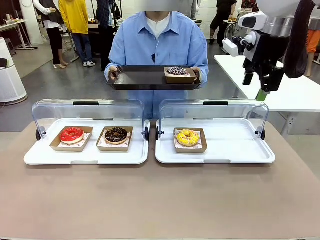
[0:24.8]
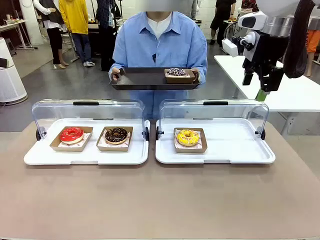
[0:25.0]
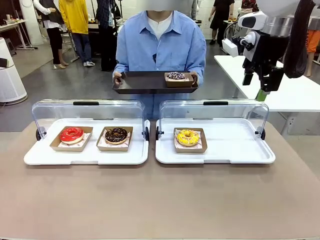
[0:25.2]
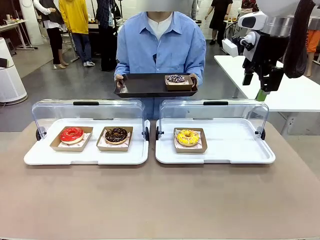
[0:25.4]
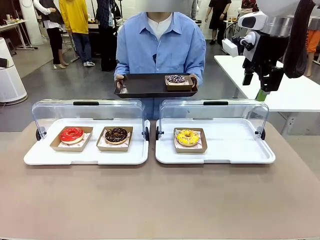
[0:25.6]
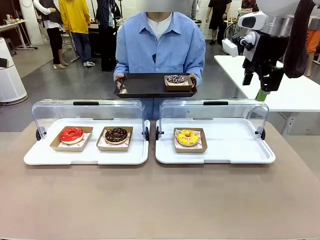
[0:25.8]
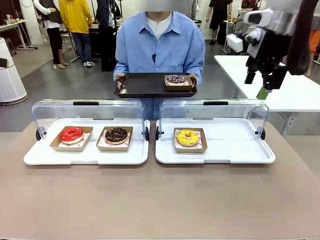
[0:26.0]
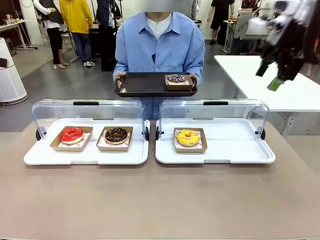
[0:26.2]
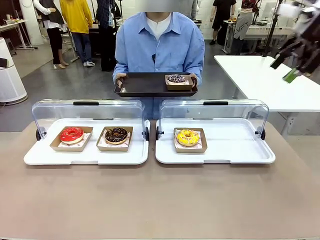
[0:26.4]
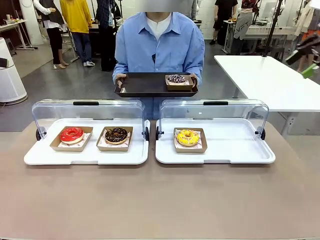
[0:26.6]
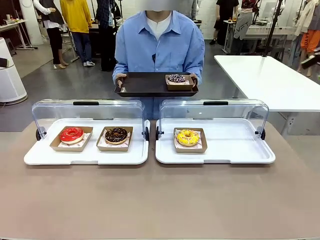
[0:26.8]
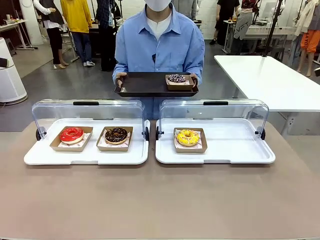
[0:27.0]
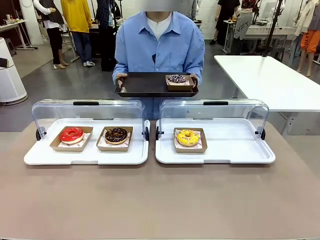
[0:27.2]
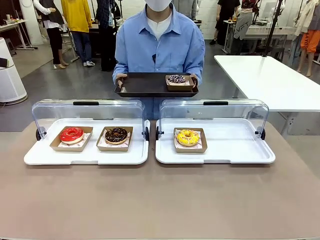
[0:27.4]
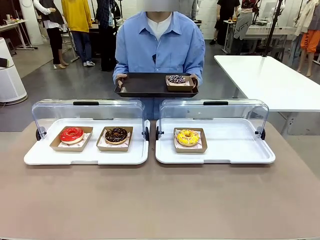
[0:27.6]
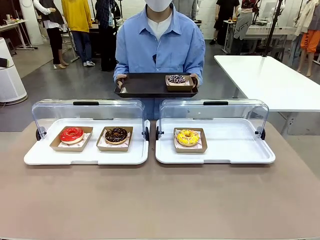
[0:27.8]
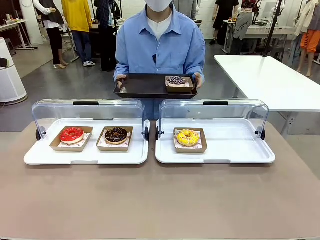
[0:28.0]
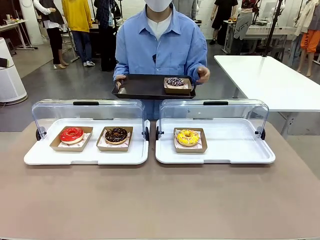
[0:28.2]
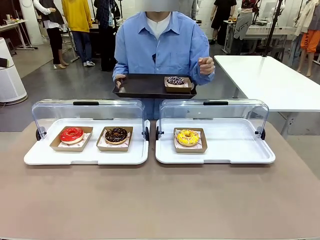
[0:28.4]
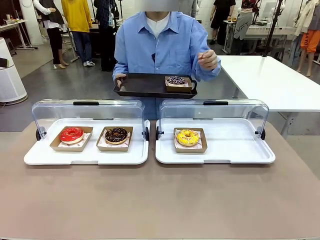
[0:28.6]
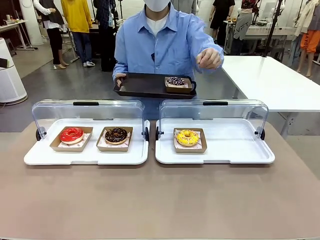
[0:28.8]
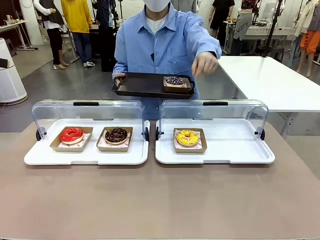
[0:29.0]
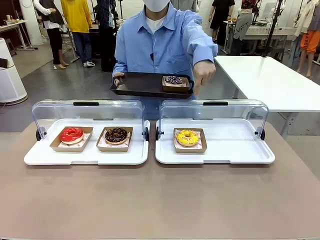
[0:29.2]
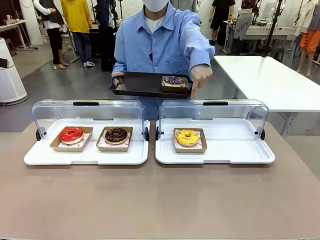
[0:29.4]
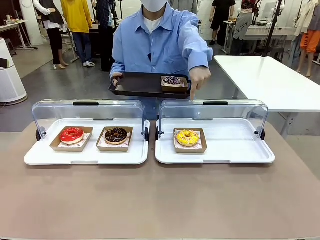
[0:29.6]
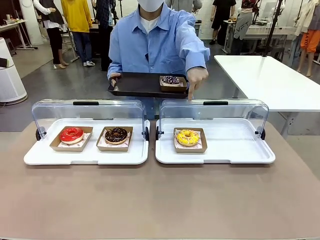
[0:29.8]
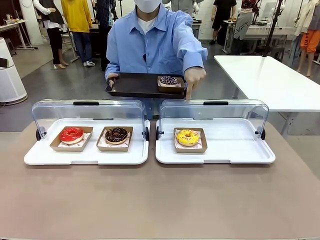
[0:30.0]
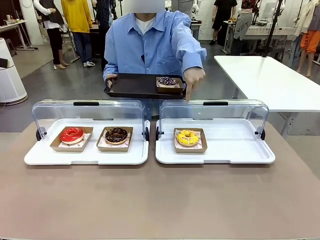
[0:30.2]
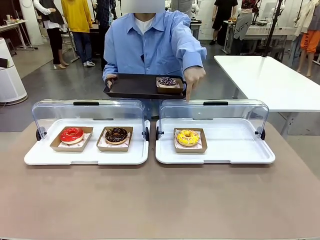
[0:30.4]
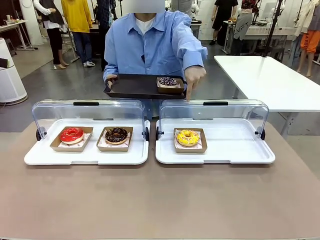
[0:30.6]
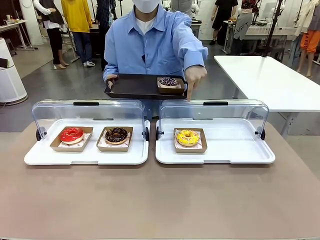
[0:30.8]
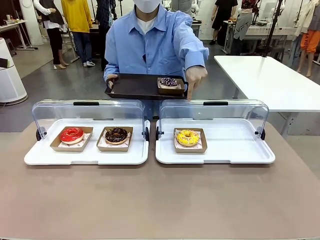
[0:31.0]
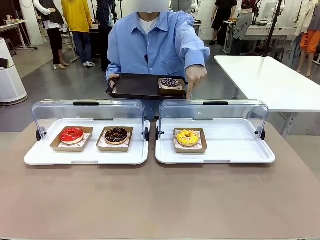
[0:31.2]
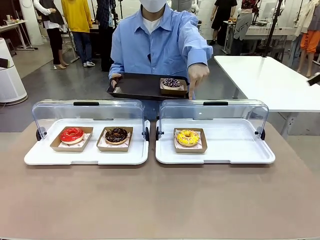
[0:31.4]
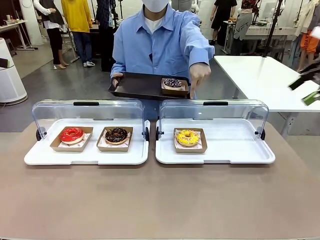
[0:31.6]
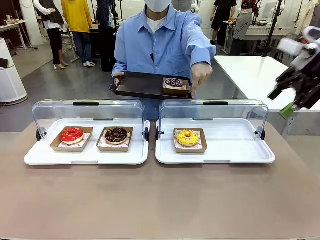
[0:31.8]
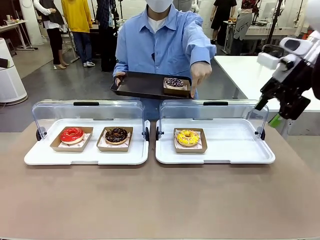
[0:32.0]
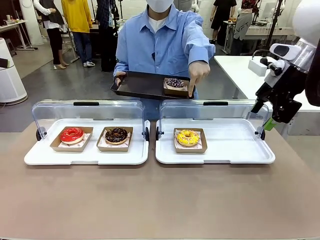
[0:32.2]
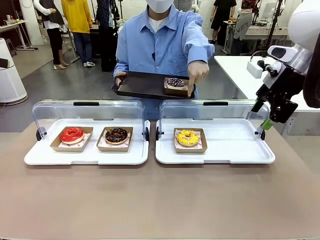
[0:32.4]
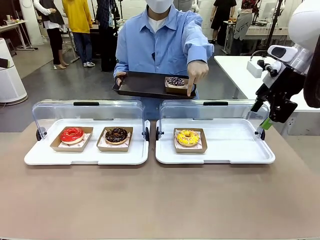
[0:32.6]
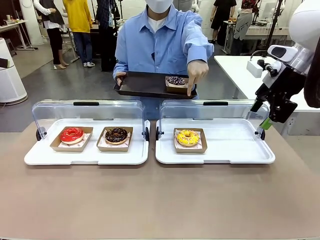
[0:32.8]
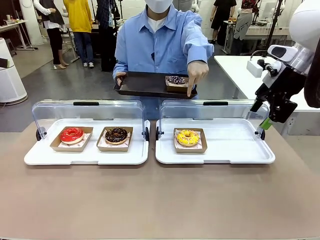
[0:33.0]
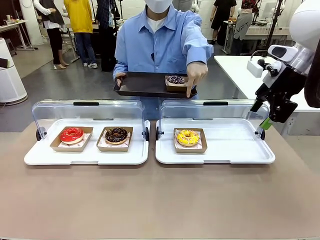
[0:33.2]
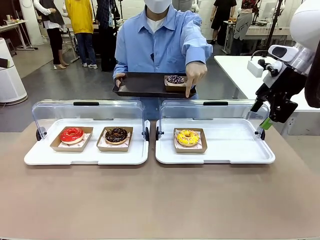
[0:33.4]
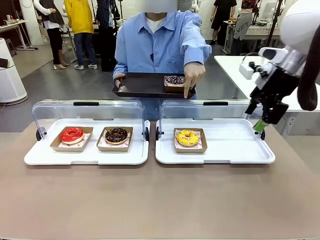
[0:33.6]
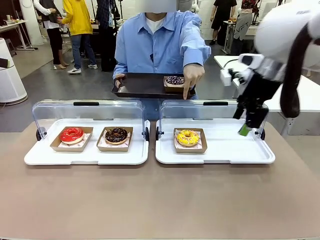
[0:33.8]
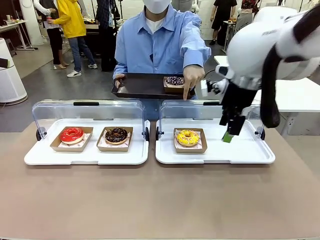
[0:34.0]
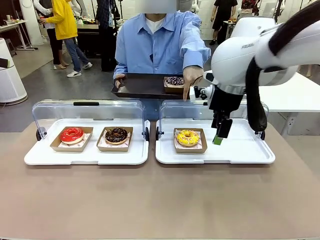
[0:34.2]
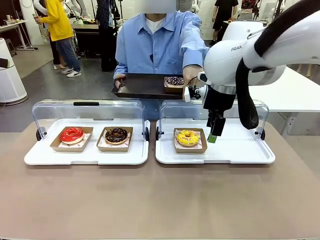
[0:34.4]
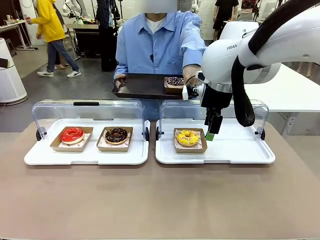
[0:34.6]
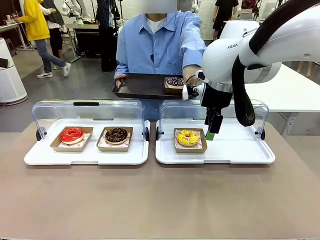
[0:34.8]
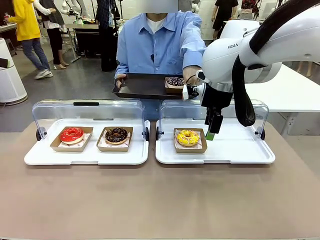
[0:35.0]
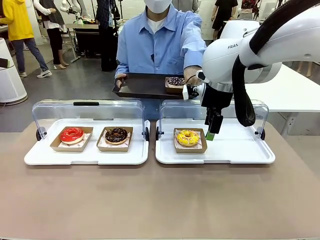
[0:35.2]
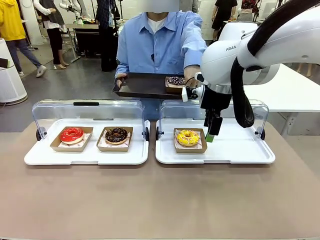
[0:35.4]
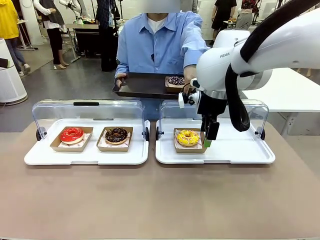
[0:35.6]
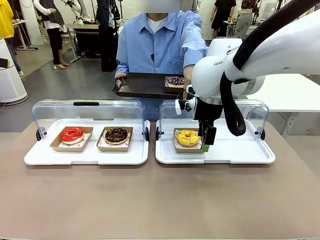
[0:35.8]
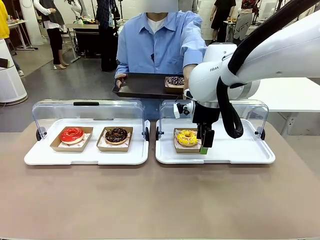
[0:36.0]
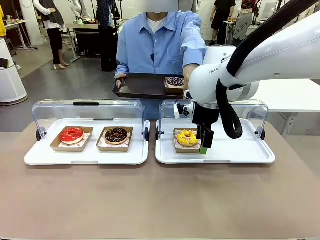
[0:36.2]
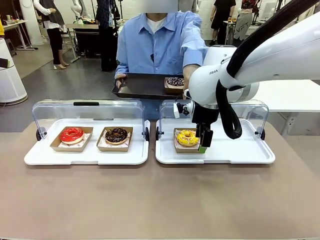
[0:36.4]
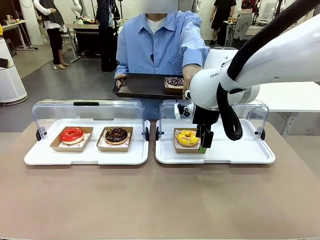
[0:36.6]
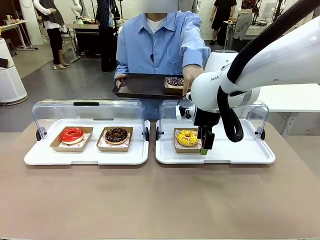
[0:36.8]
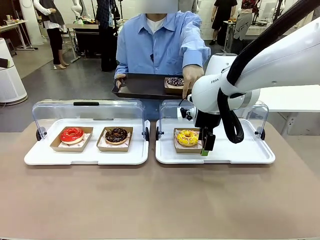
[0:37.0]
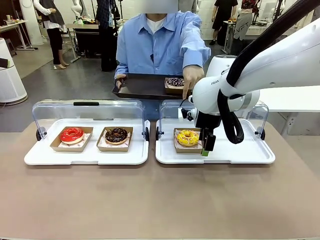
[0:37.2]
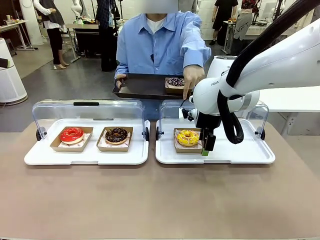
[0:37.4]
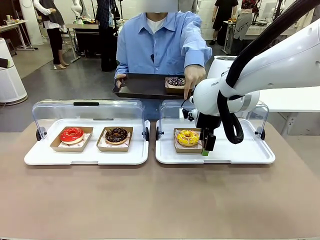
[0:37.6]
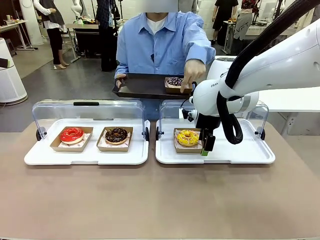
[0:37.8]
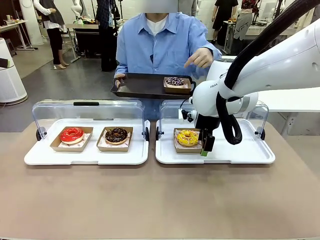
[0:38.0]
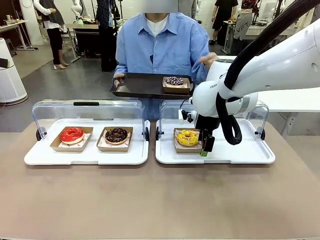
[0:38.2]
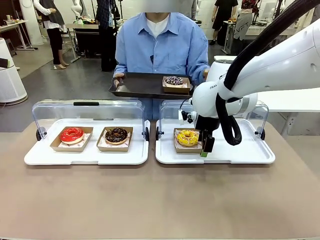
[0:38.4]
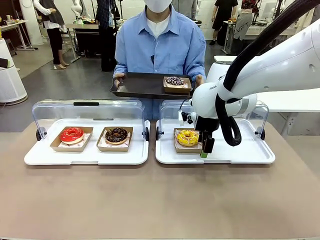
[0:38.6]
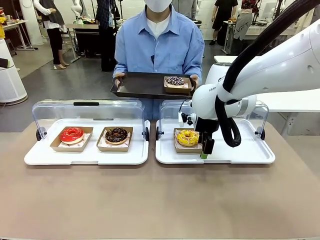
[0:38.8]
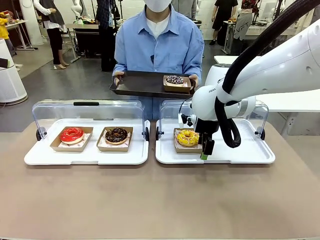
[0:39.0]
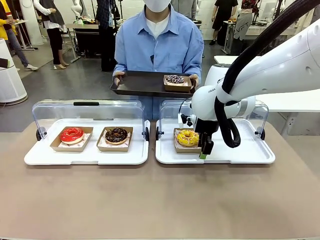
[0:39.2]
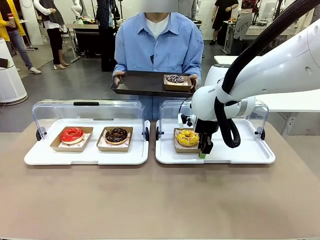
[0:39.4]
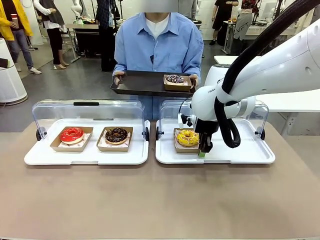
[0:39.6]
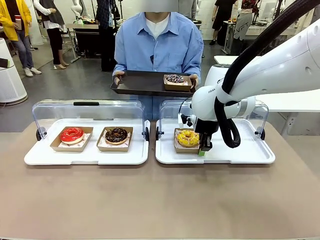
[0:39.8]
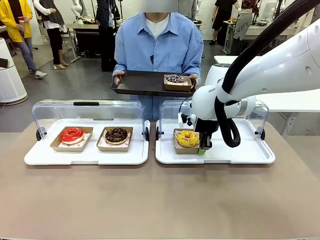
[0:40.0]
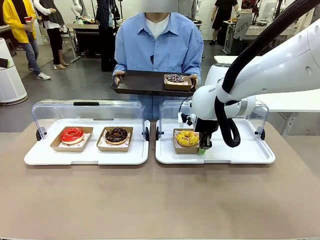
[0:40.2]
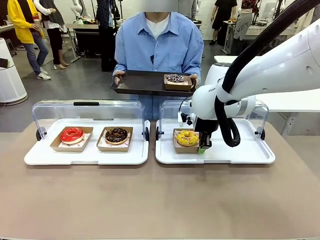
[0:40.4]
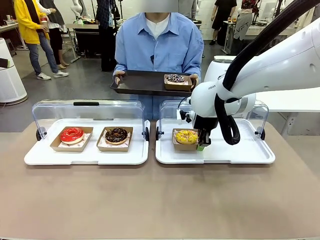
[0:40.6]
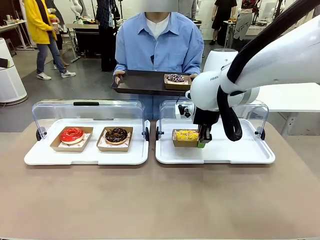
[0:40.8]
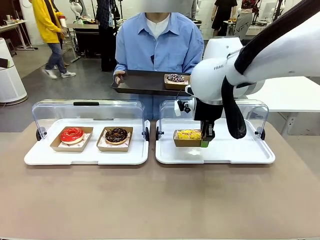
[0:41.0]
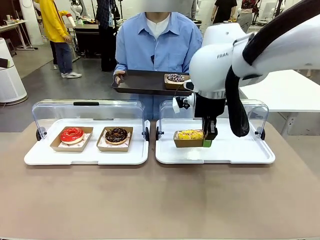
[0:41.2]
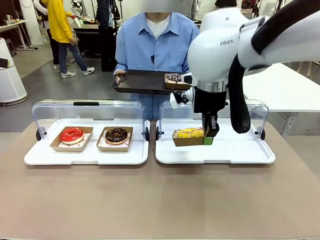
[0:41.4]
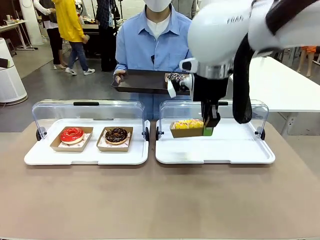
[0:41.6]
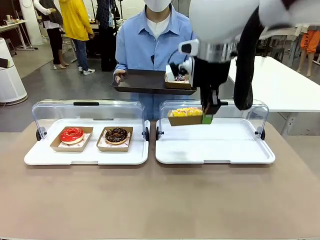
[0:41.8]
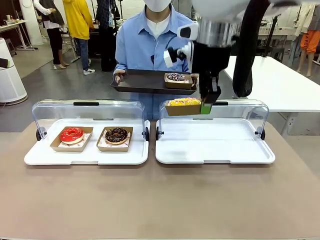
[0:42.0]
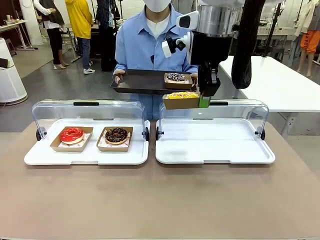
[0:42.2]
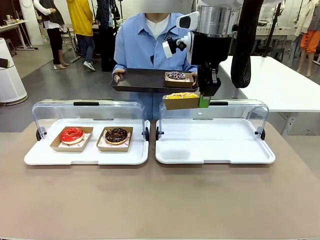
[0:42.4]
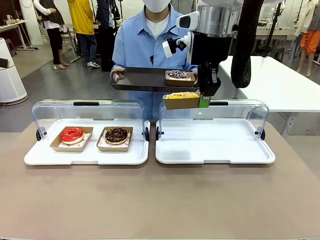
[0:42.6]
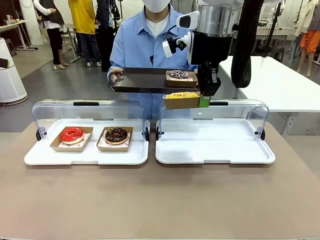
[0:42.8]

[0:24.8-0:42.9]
Task: Provide the desired donut to the person.
Robot: Pick up and lift the Paper togo box containing the Donut pointed at by the person.
Person: Point to one donut. Lift the tray onto the Roll-Top Bakery Case.
